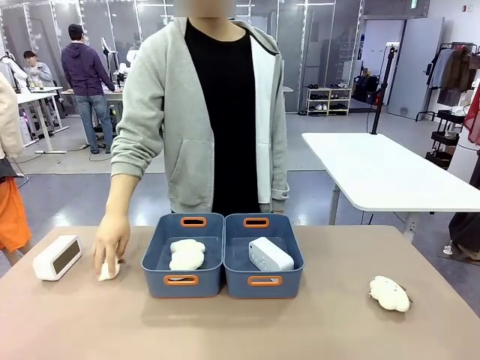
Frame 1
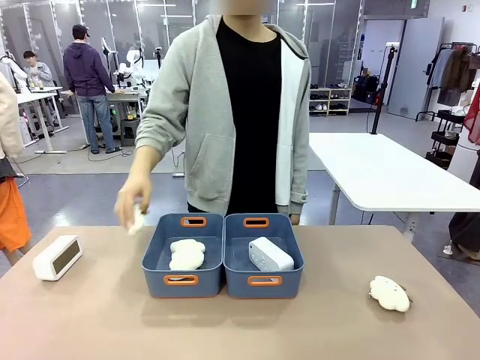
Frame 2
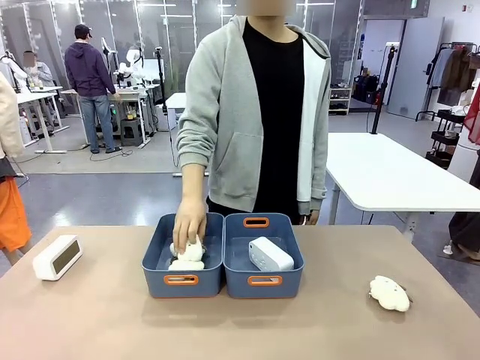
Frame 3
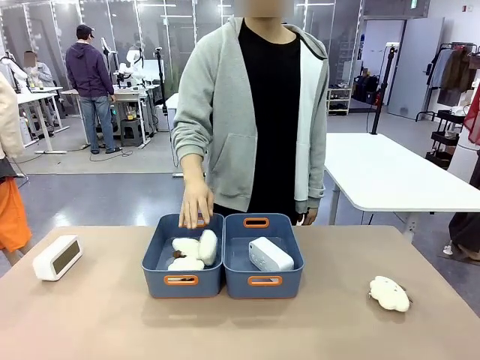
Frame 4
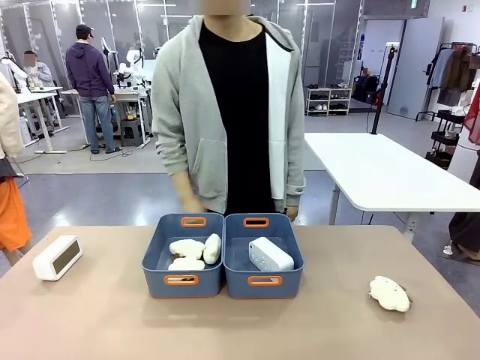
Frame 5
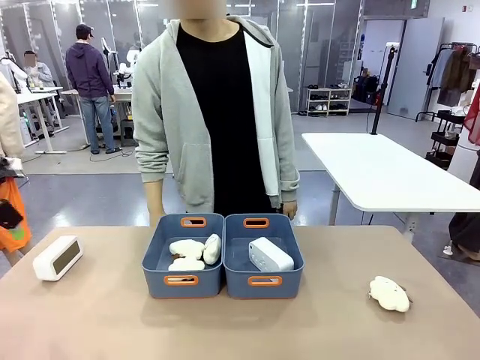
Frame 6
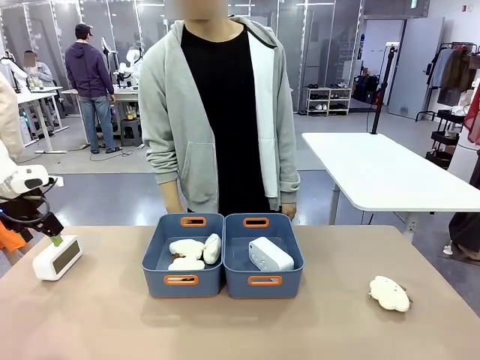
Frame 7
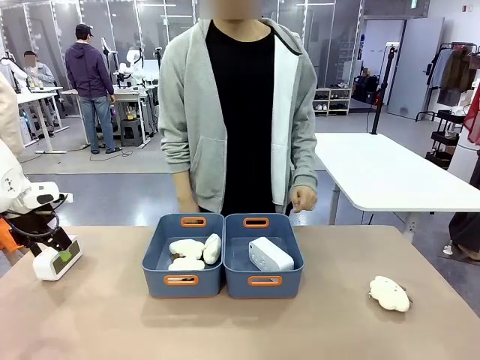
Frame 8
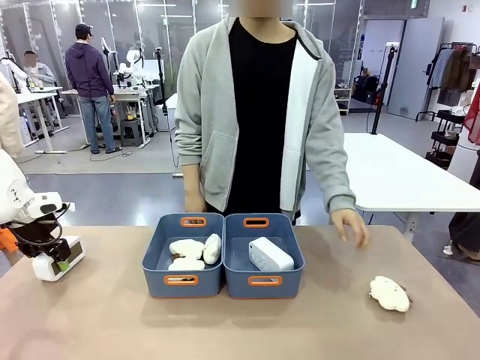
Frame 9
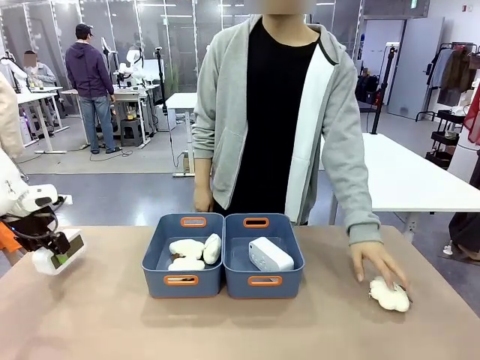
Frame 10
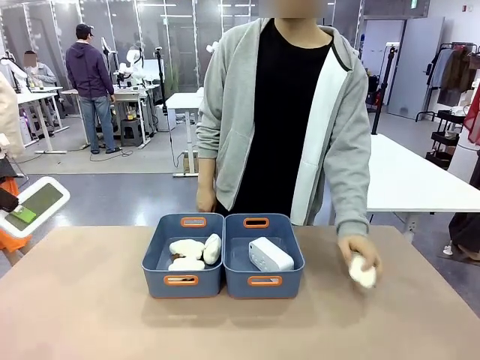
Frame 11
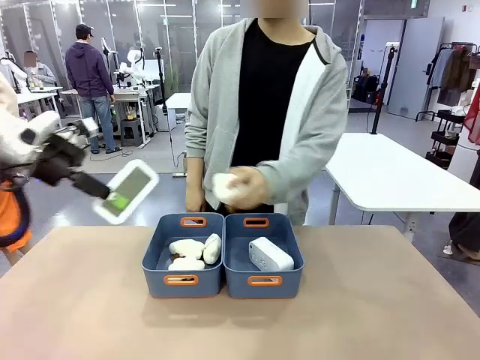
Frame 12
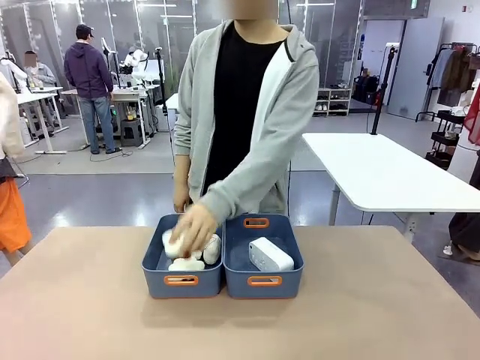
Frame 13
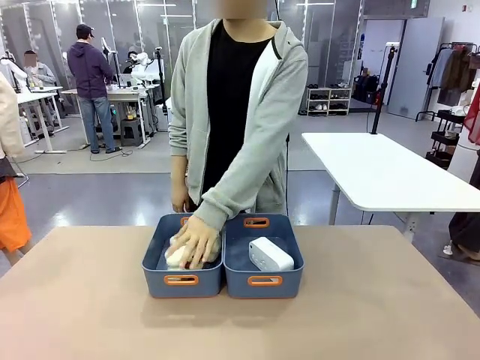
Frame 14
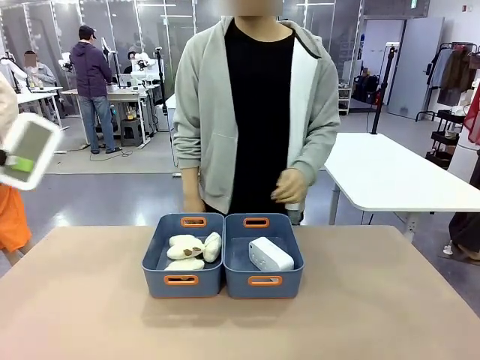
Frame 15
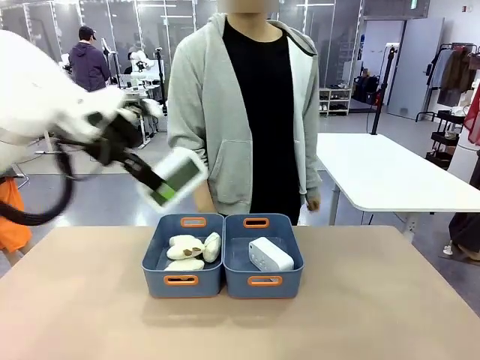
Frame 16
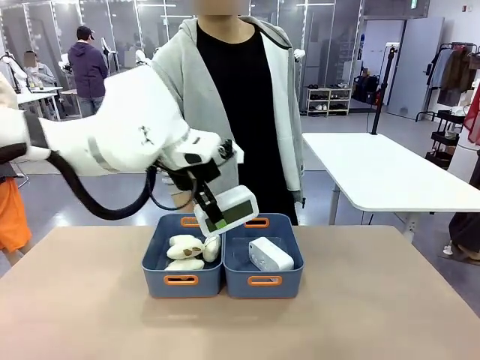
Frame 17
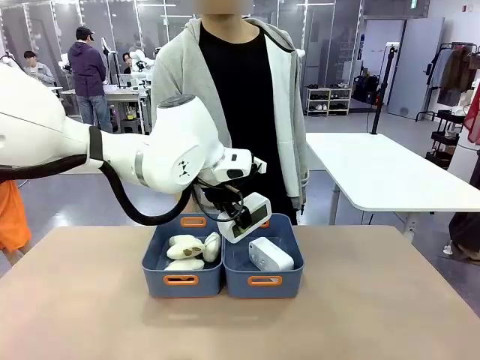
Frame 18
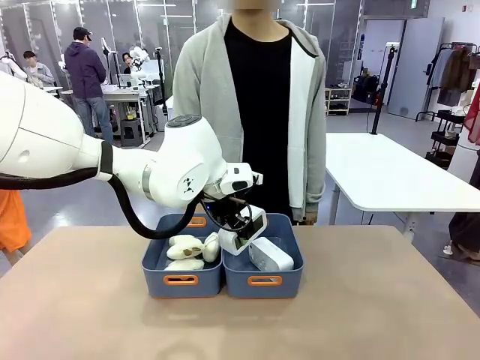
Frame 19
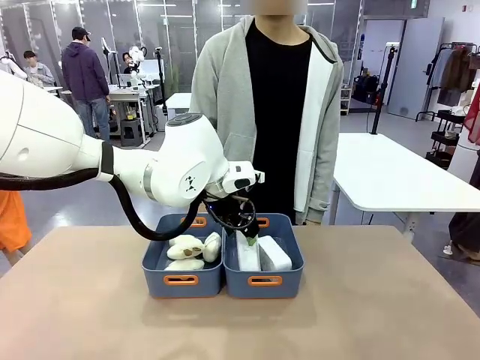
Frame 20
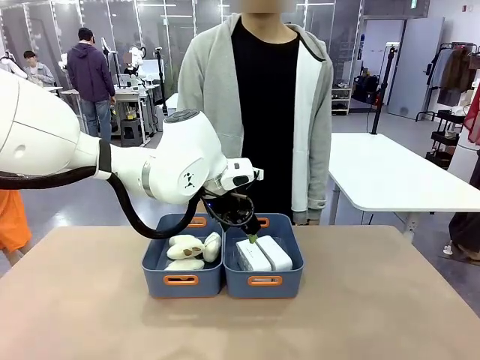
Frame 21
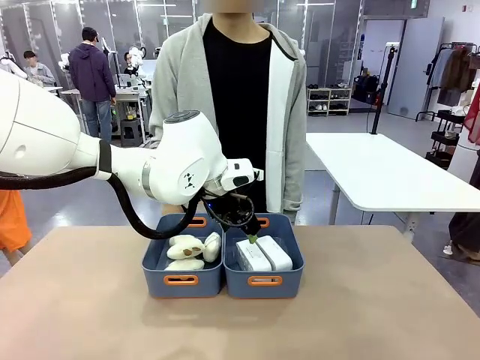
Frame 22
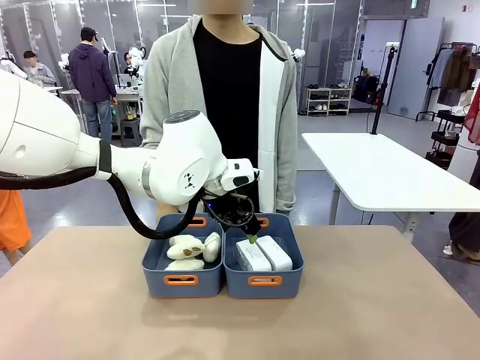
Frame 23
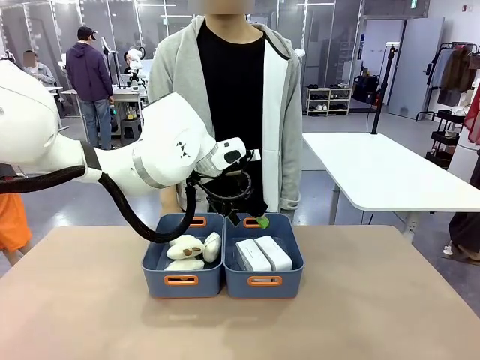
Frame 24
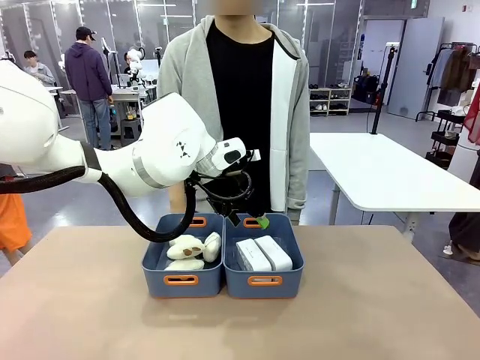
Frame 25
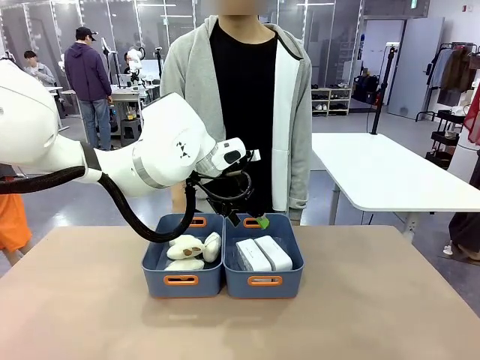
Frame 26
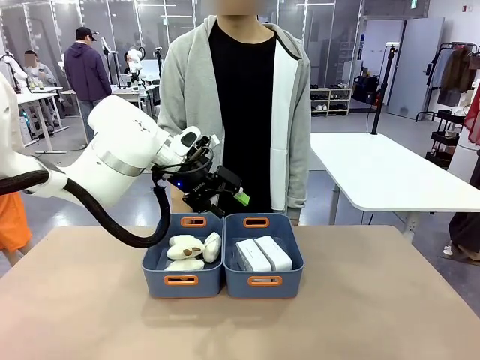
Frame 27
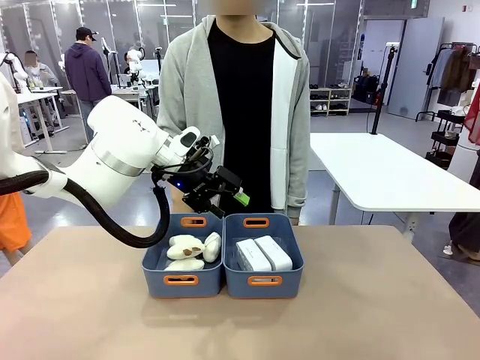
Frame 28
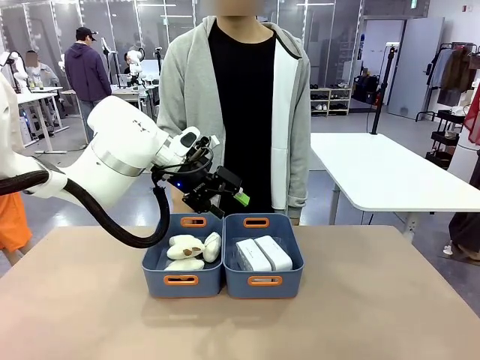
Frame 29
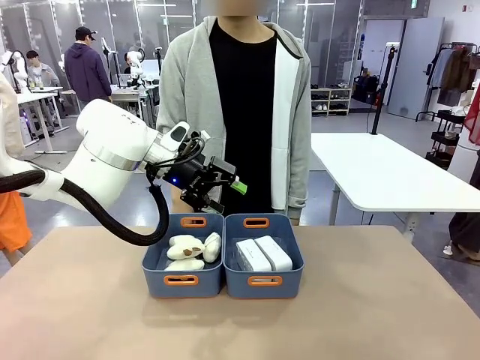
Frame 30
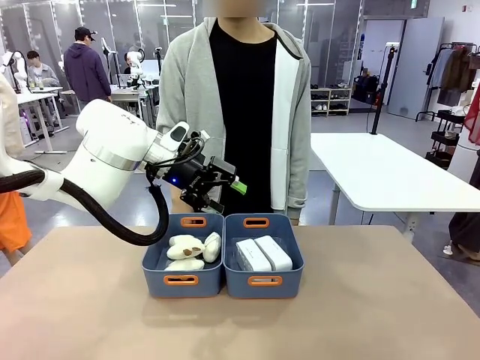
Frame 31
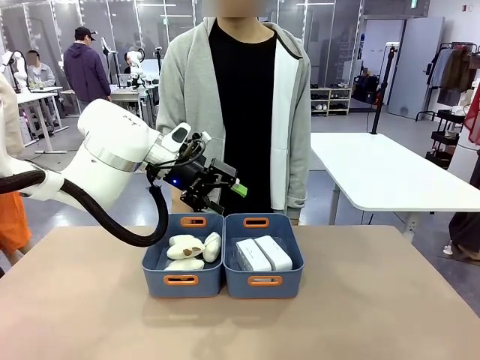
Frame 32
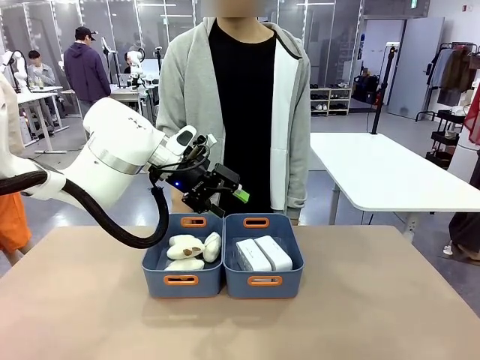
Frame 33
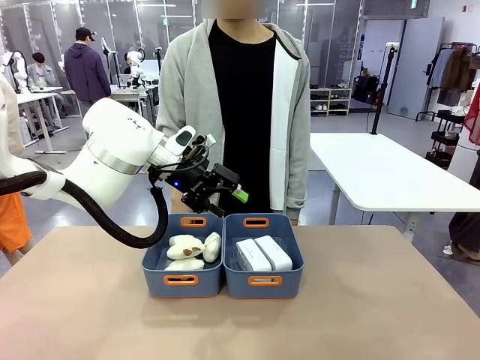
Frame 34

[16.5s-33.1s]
Task: Sort the digital clocks into the basket.
Robot: Pick up the Digital clock from the table and place it into the empty Plastic storage basket.
Person: Pick up a plush toy from the table and place it in the plastic storage basket containing the plush toy.
